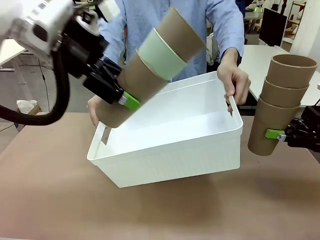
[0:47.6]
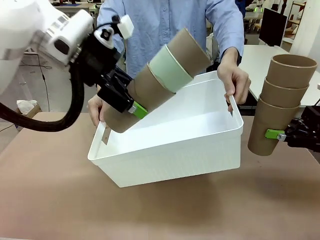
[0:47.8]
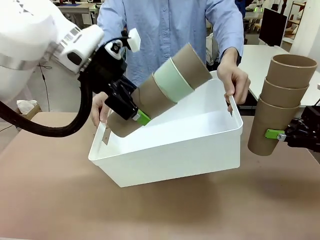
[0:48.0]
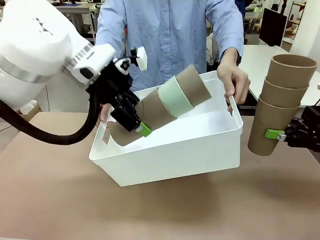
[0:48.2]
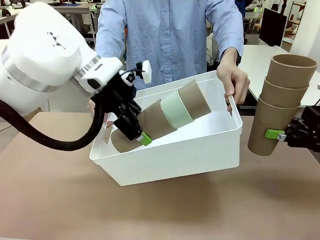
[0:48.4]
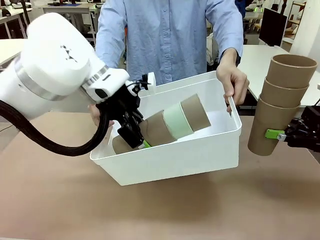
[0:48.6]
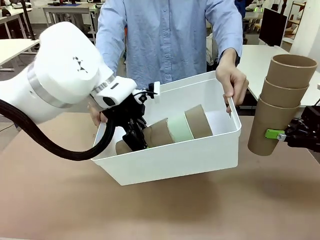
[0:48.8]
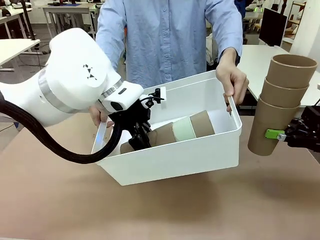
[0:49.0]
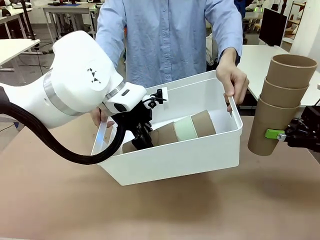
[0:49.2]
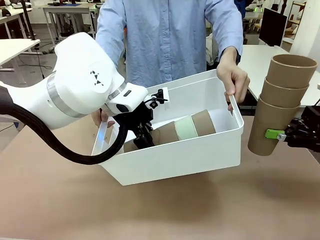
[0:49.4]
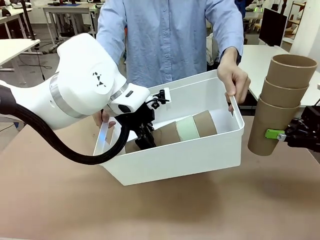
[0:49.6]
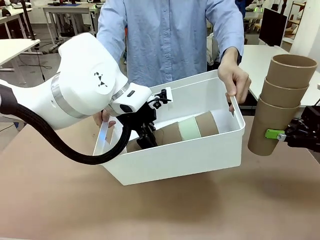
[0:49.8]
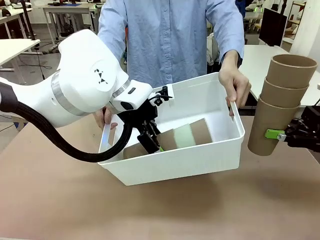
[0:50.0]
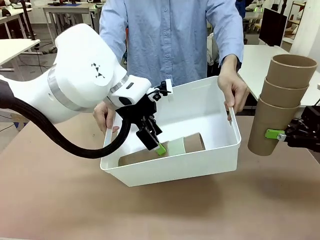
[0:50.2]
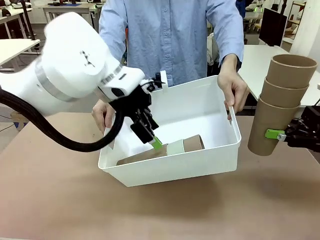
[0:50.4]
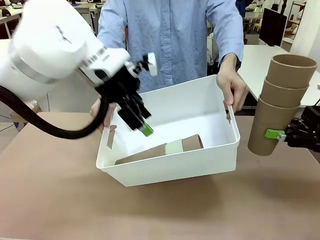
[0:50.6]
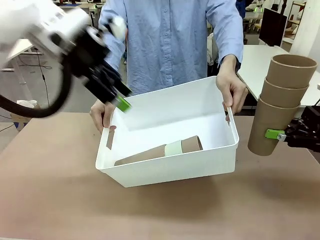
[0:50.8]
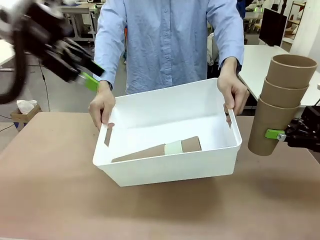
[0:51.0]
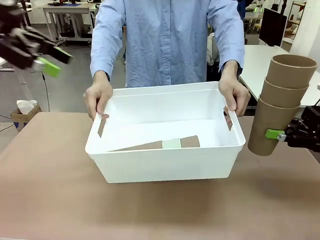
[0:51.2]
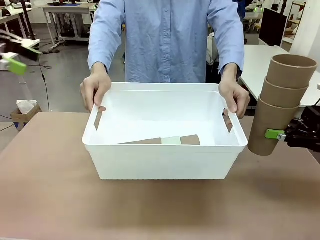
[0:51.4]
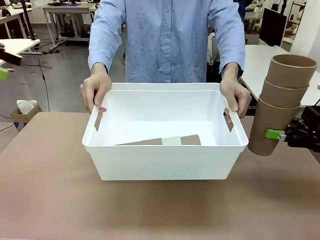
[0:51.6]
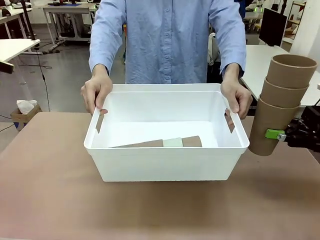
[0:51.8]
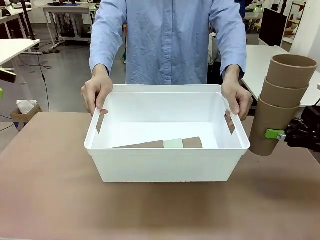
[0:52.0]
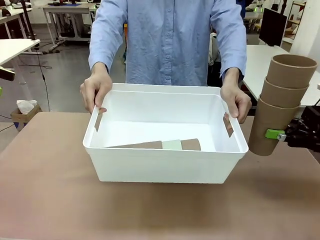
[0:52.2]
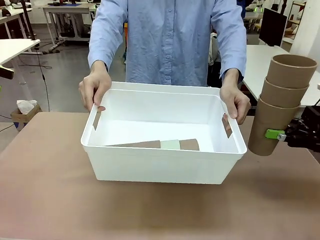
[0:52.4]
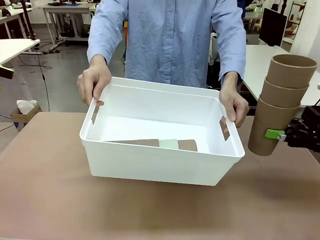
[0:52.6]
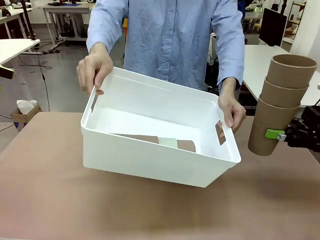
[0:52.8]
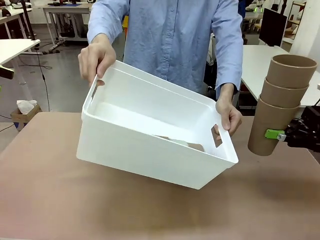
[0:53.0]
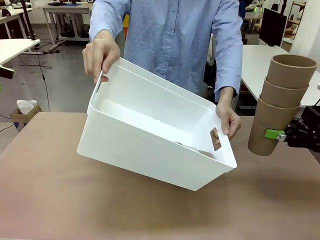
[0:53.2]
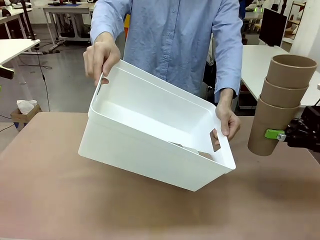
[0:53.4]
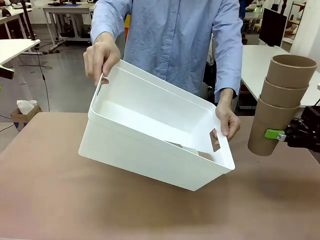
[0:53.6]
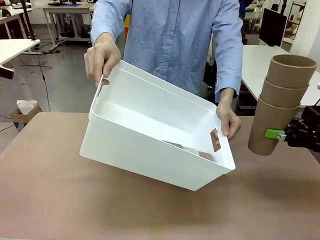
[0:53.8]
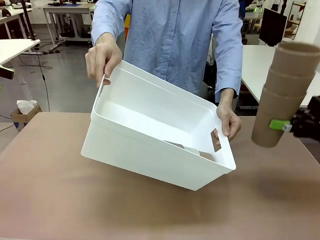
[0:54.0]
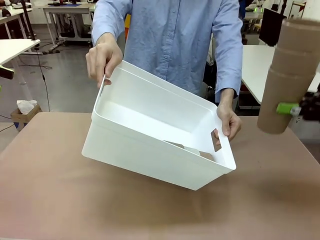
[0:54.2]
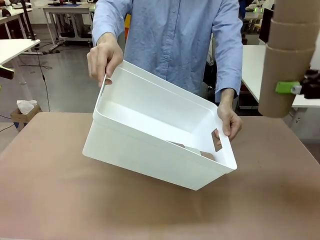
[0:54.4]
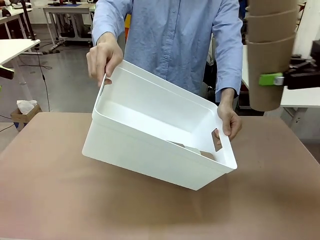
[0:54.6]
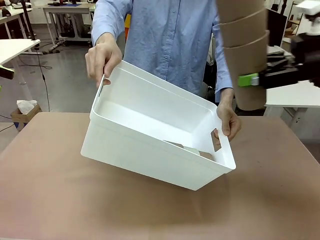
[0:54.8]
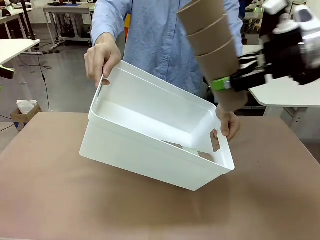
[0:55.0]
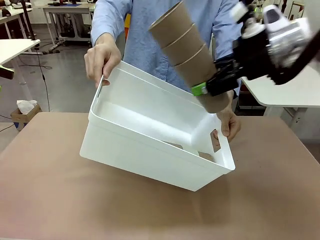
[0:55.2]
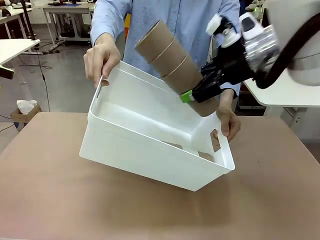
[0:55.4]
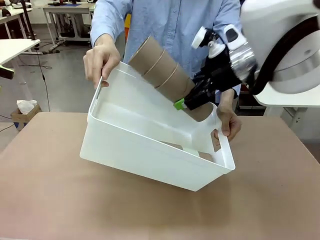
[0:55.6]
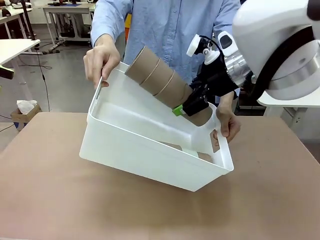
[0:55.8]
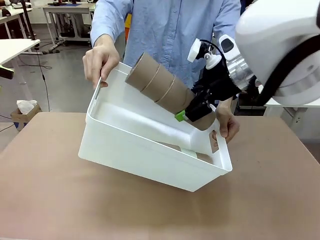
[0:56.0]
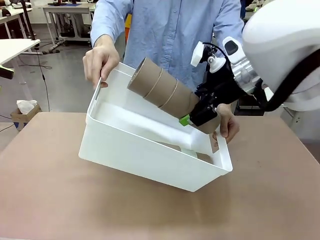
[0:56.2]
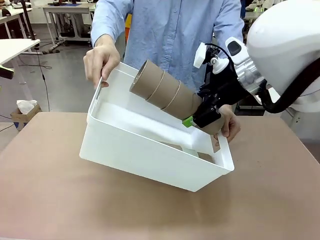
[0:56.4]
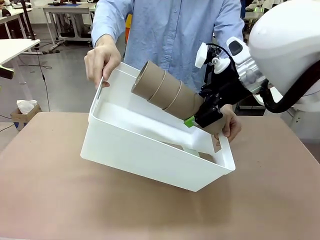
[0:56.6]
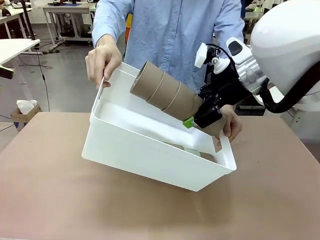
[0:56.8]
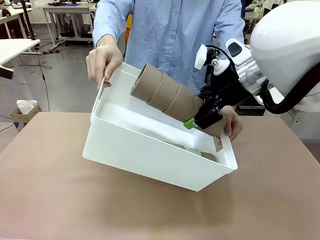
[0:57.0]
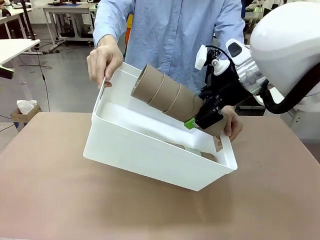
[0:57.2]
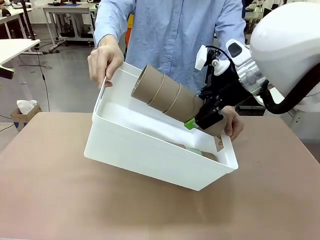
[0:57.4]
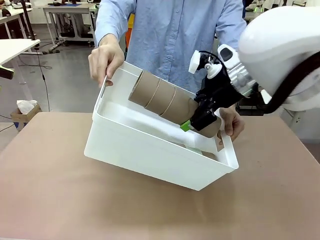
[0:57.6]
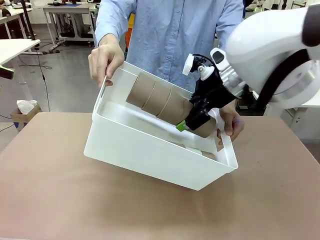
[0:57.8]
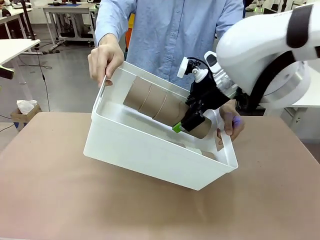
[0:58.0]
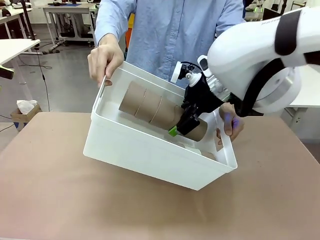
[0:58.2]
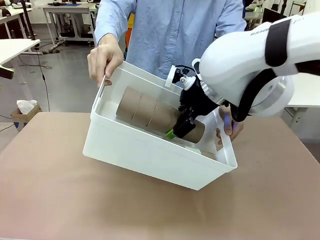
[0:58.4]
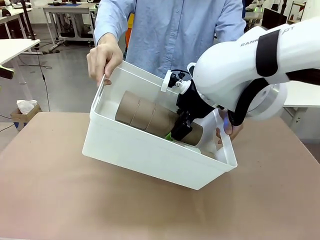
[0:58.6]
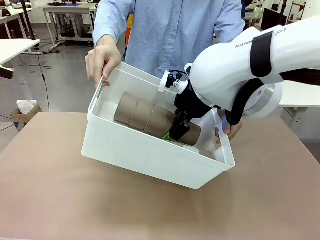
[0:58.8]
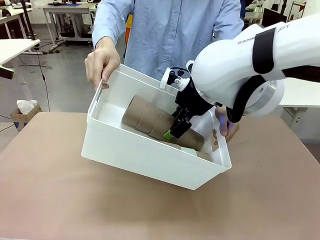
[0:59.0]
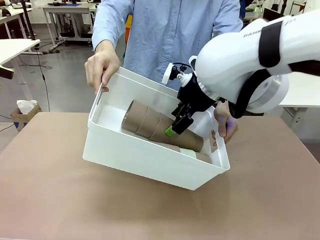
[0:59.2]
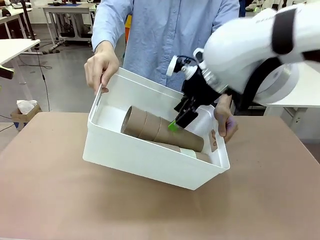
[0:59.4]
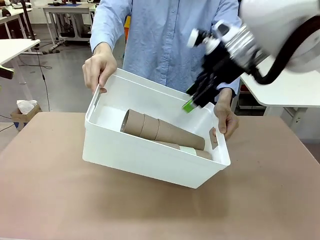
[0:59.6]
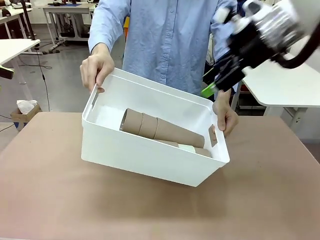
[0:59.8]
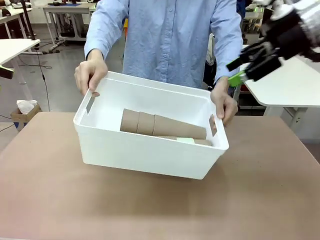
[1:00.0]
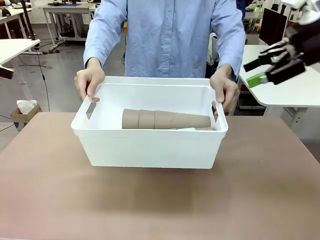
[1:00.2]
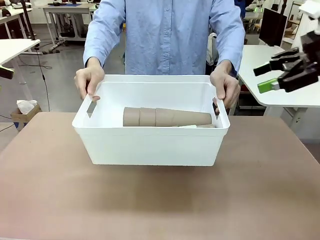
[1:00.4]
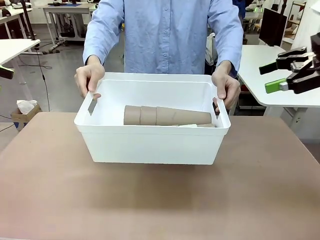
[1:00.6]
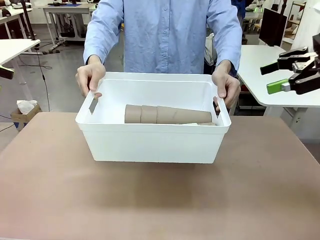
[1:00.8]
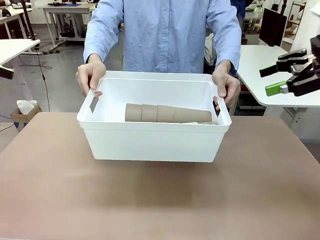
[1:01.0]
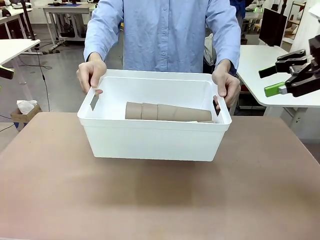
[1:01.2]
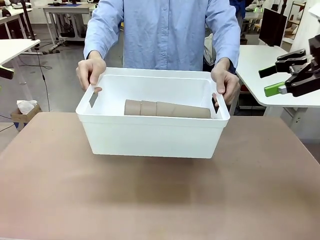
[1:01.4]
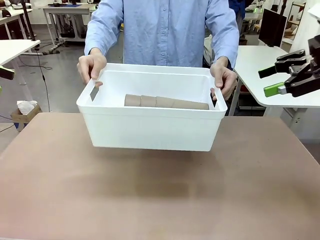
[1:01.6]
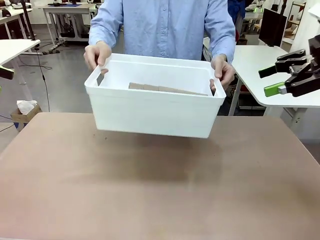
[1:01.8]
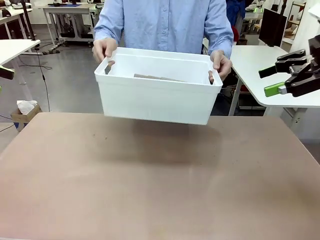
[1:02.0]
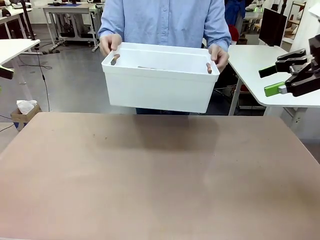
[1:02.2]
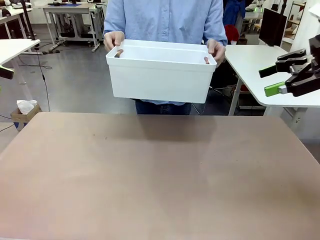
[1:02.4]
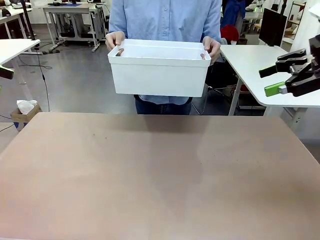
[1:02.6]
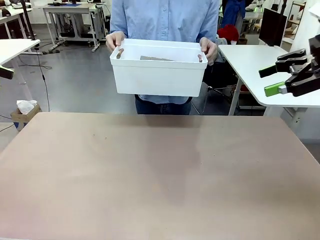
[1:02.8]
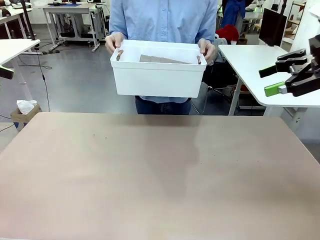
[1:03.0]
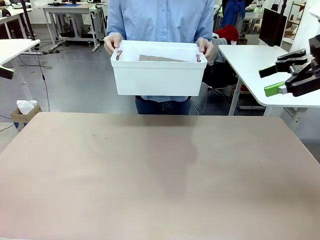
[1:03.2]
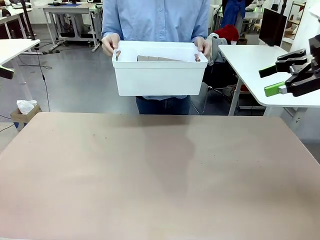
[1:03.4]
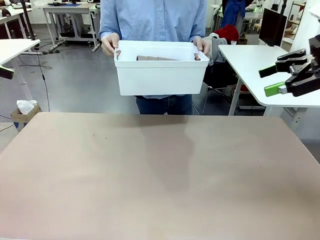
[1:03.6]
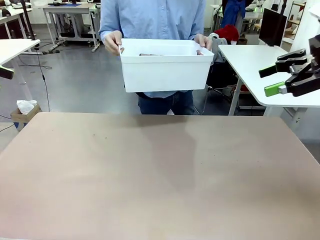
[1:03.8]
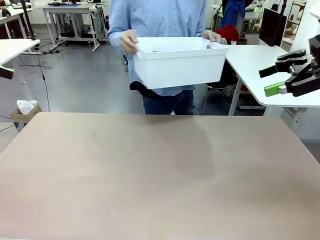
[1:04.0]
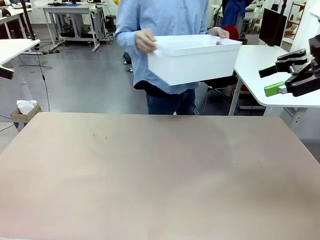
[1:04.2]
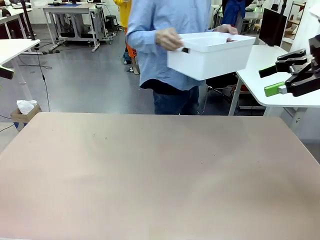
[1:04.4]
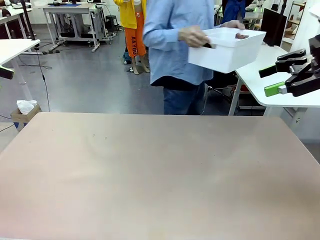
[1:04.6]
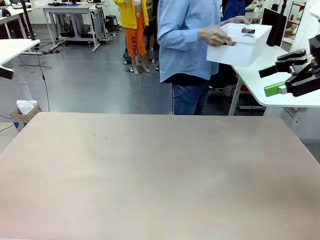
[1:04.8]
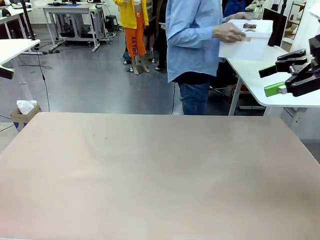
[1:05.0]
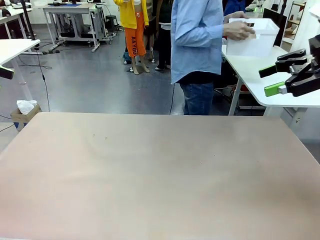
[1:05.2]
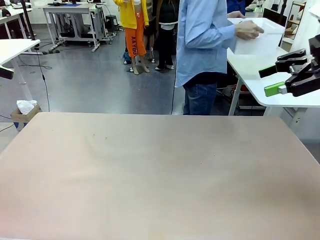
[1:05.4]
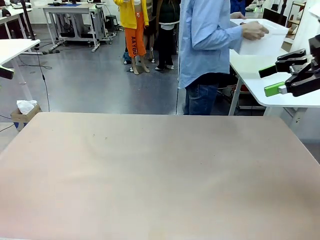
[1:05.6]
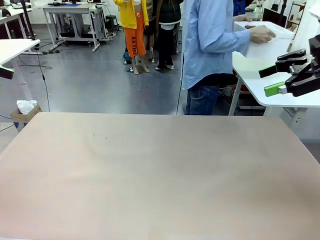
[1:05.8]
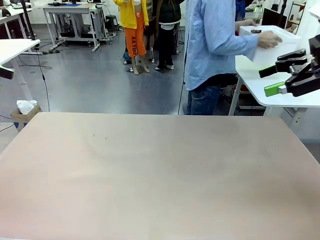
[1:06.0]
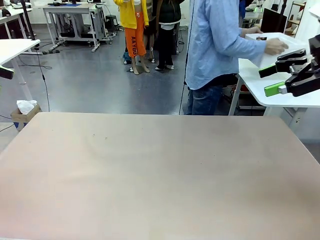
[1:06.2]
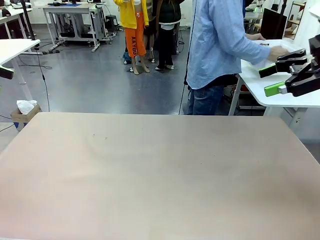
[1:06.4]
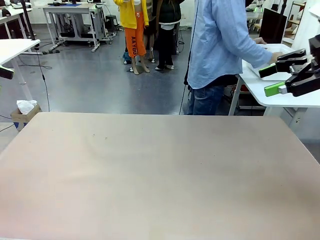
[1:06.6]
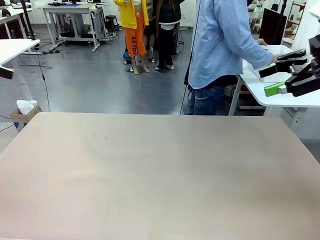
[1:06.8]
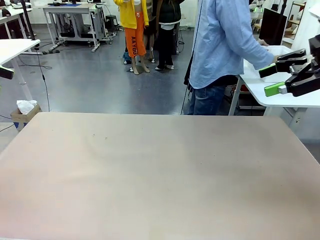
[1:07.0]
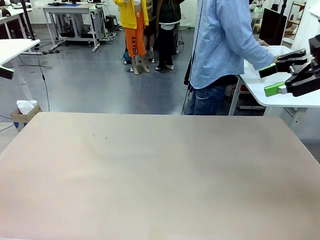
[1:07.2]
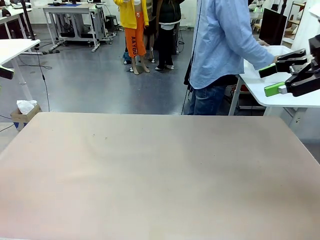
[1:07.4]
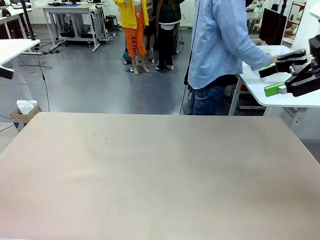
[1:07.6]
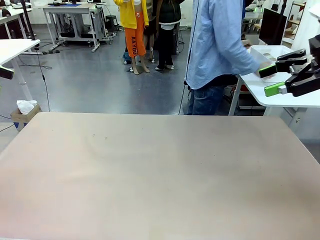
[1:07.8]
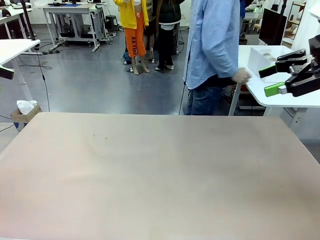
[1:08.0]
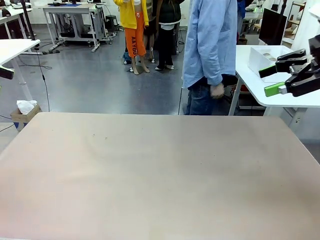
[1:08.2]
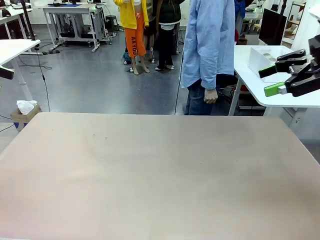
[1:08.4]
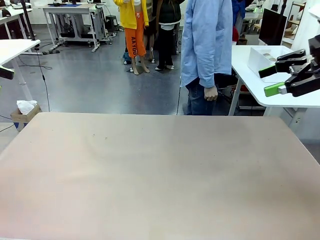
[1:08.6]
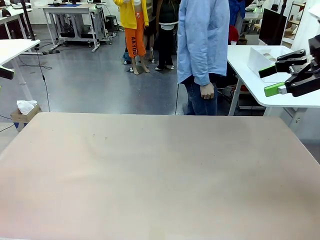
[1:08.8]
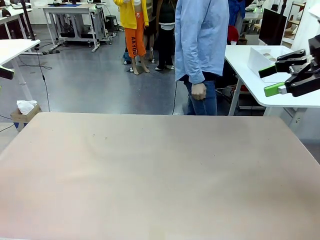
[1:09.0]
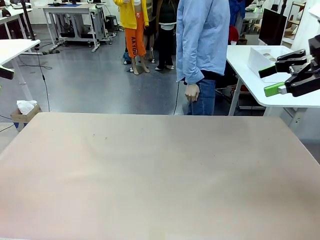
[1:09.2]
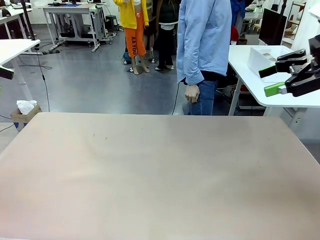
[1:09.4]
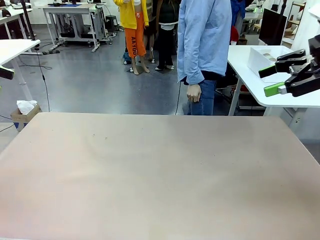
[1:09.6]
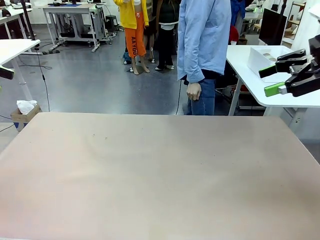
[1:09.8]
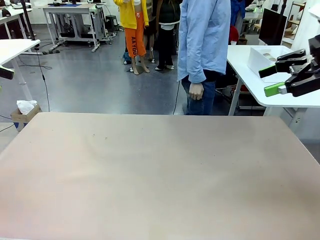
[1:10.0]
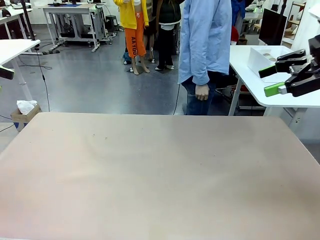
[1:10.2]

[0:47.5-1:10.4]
Task: Stack the cups and store them in the basket.
Robot: Place the stack of Reusable plastic cups into the Pantry Basket.
Person: Place the basket containing the cups in the middle of the Human Table.
